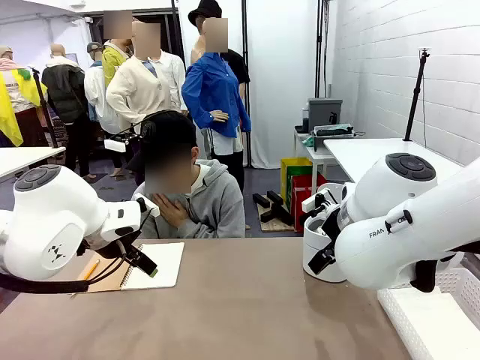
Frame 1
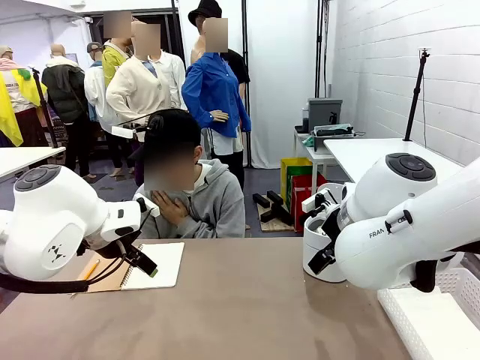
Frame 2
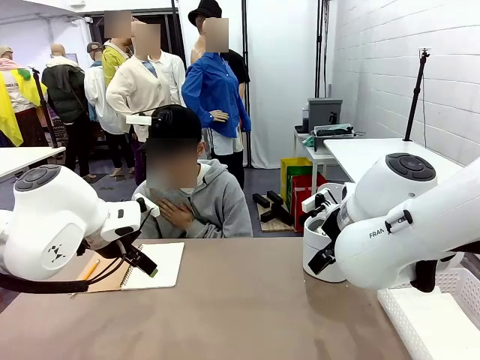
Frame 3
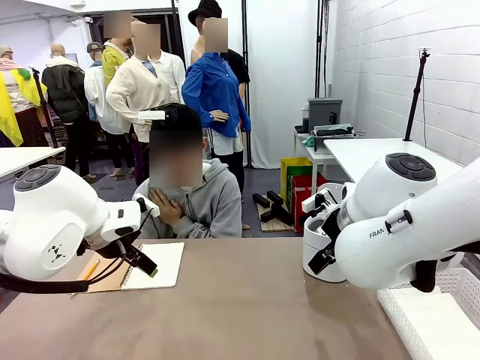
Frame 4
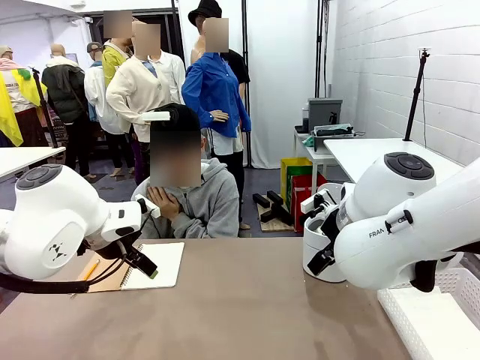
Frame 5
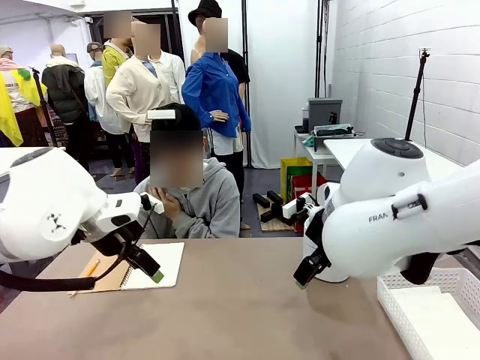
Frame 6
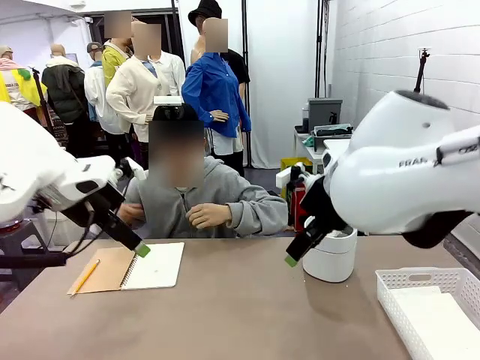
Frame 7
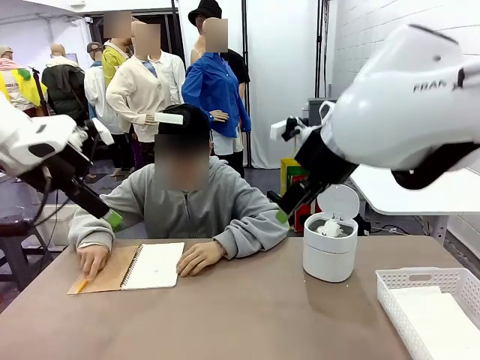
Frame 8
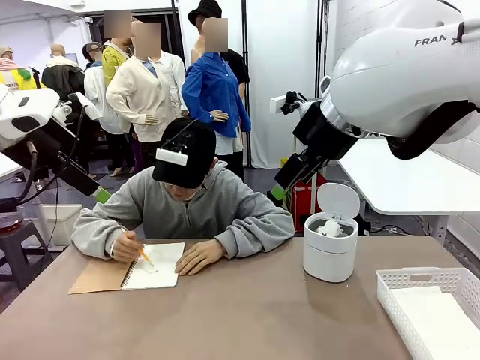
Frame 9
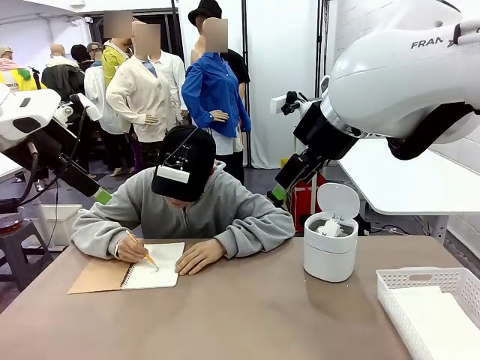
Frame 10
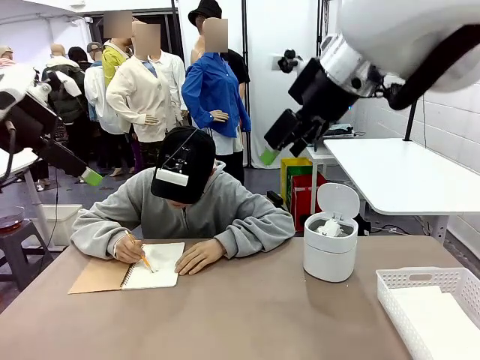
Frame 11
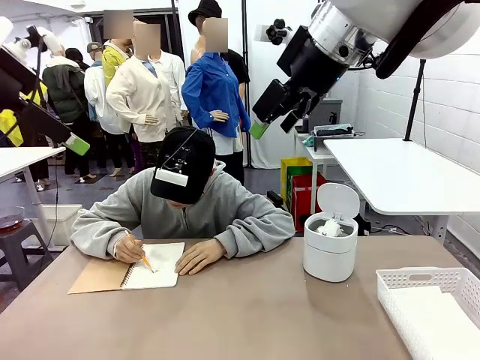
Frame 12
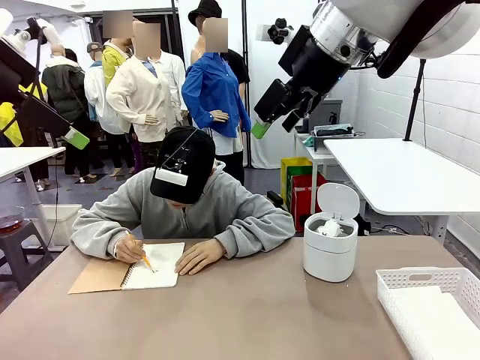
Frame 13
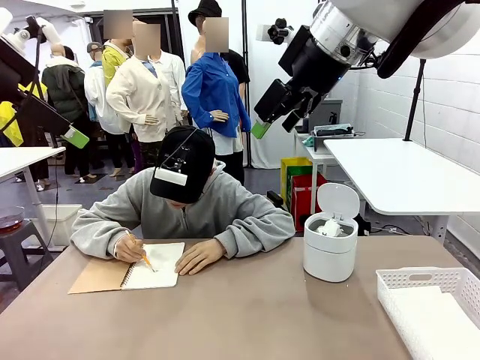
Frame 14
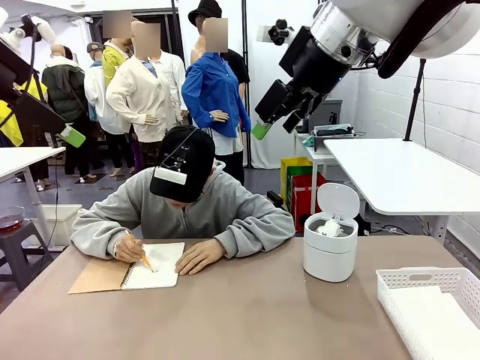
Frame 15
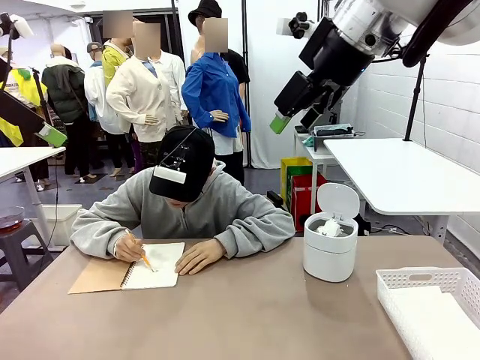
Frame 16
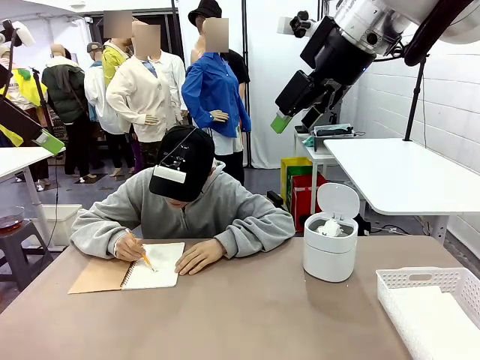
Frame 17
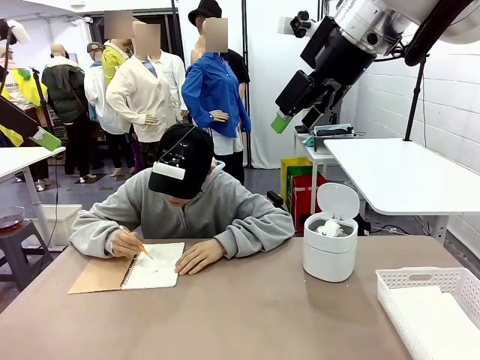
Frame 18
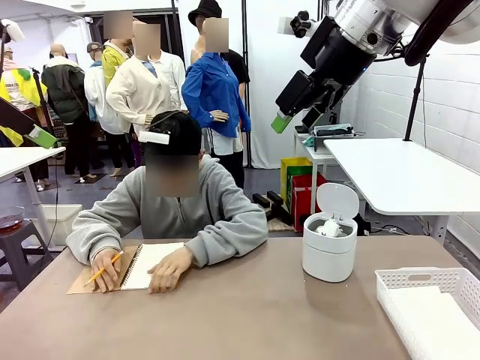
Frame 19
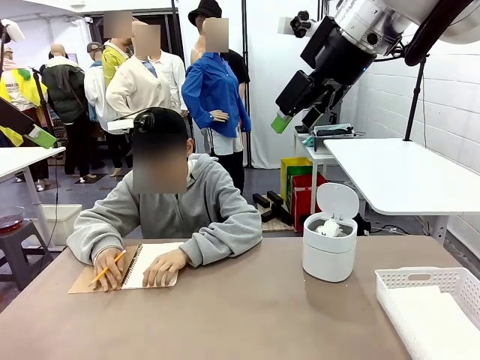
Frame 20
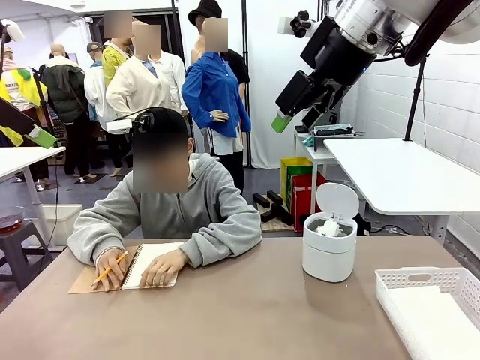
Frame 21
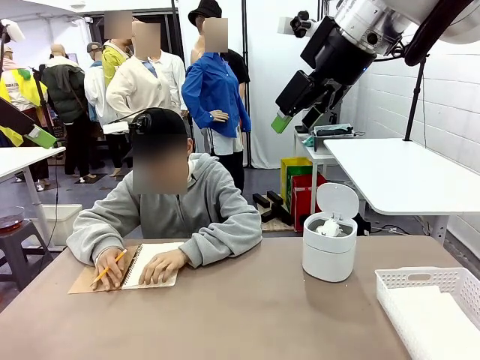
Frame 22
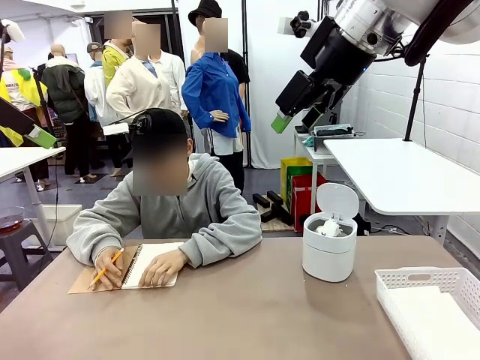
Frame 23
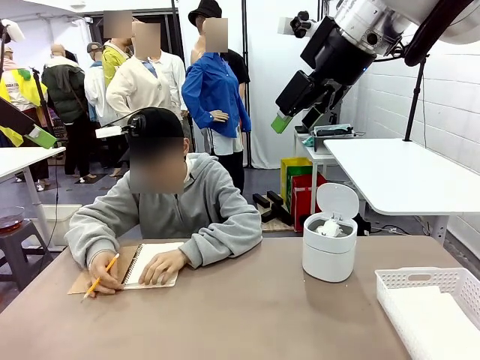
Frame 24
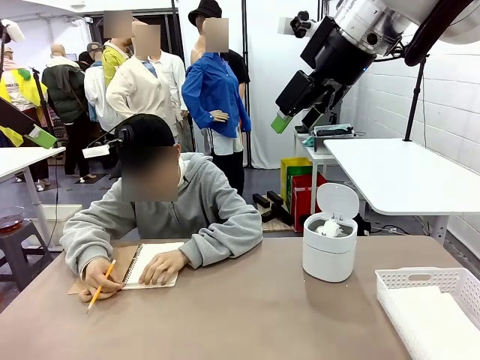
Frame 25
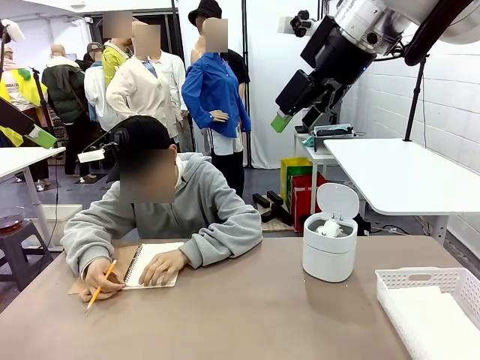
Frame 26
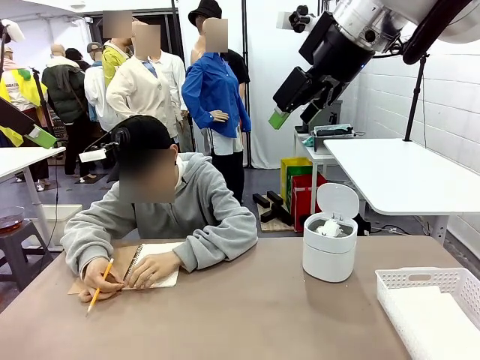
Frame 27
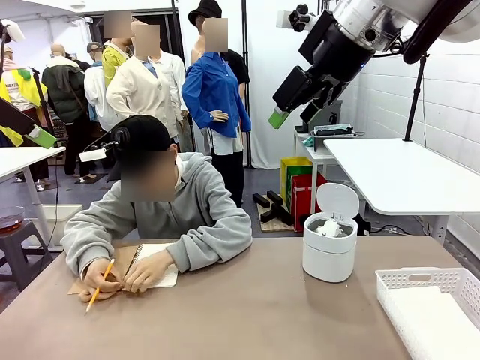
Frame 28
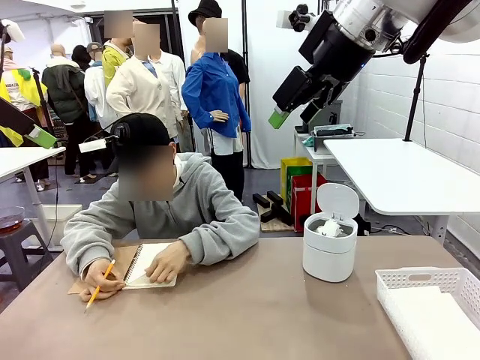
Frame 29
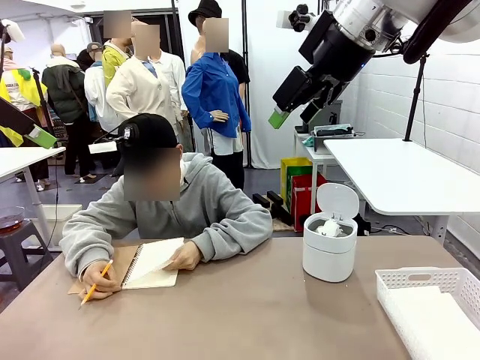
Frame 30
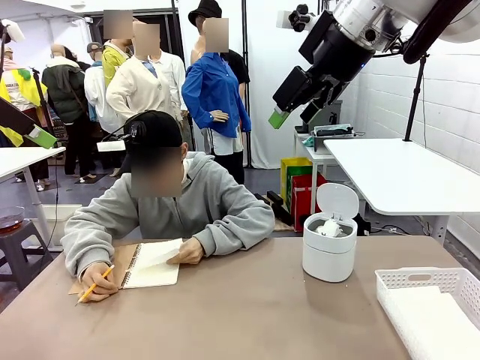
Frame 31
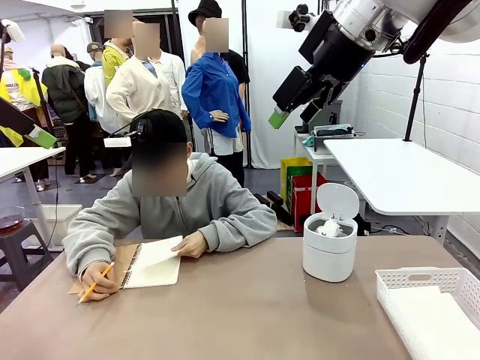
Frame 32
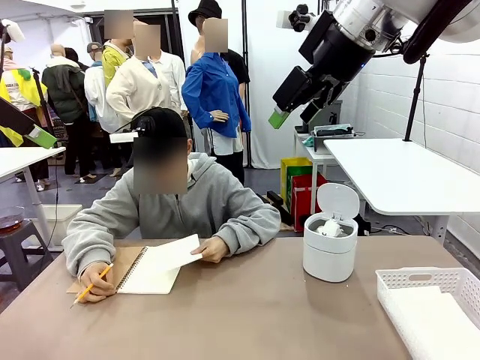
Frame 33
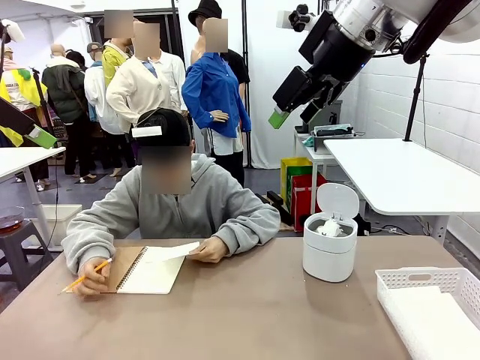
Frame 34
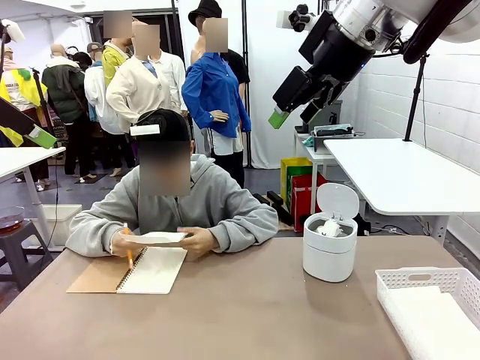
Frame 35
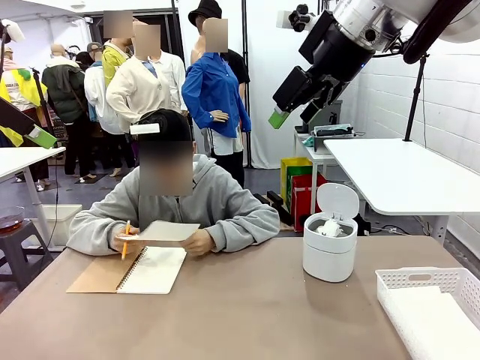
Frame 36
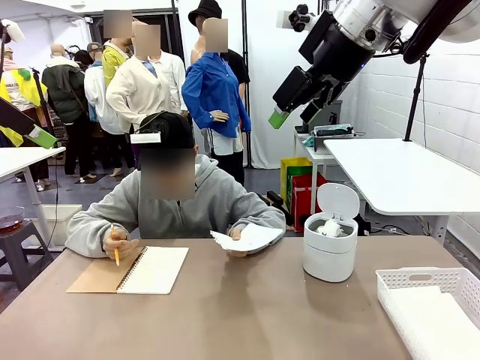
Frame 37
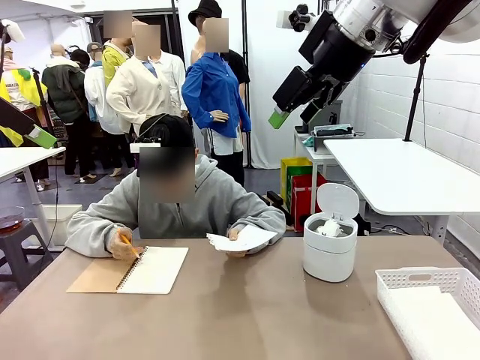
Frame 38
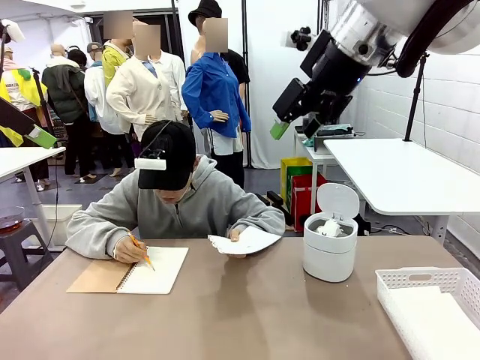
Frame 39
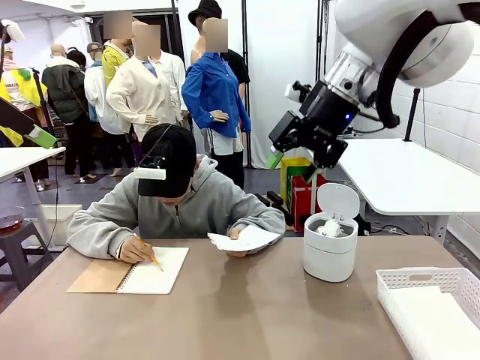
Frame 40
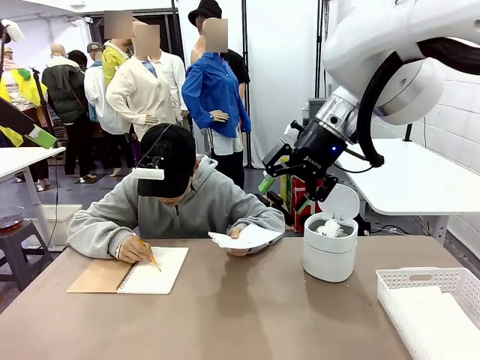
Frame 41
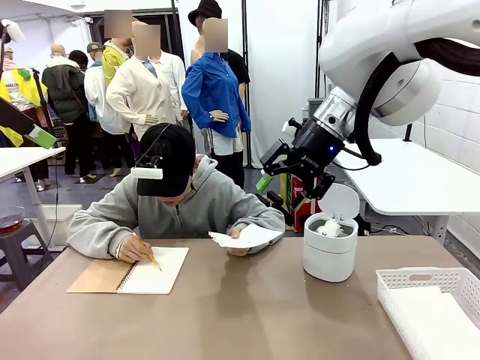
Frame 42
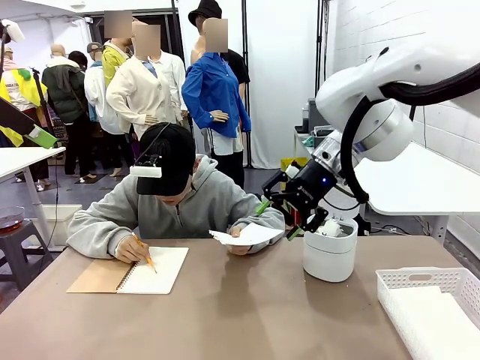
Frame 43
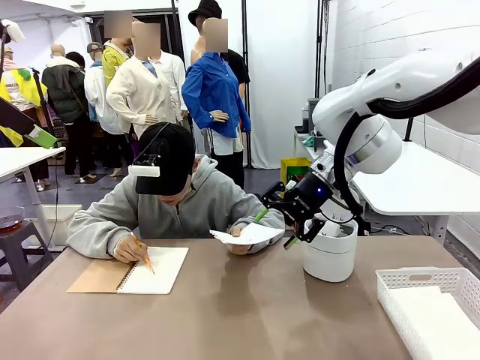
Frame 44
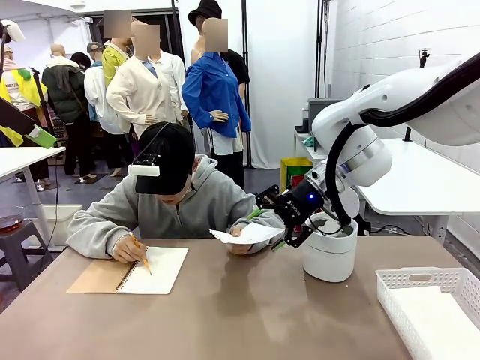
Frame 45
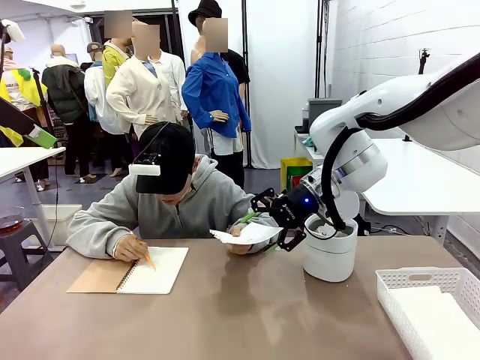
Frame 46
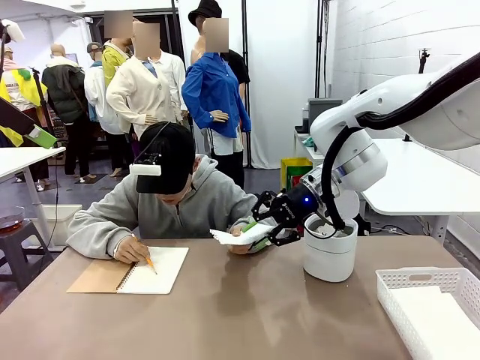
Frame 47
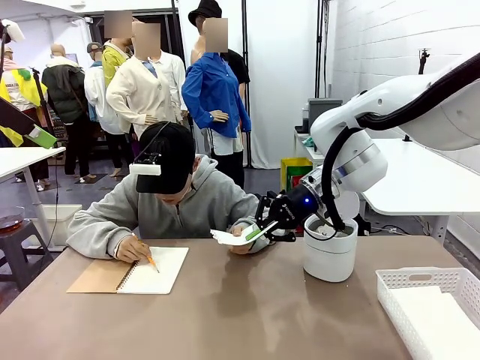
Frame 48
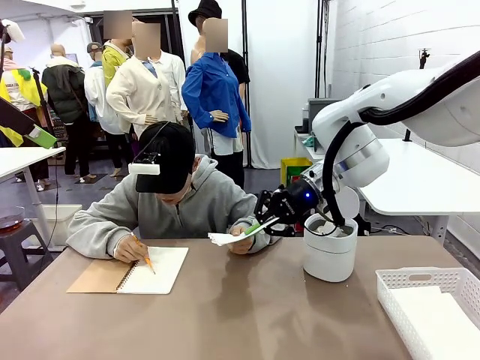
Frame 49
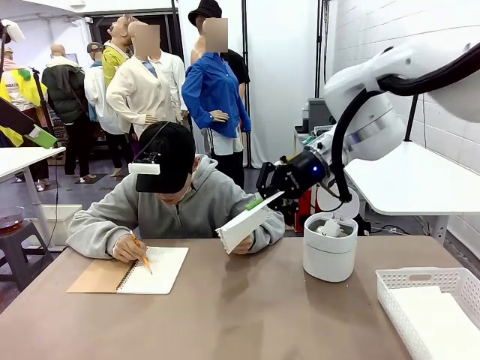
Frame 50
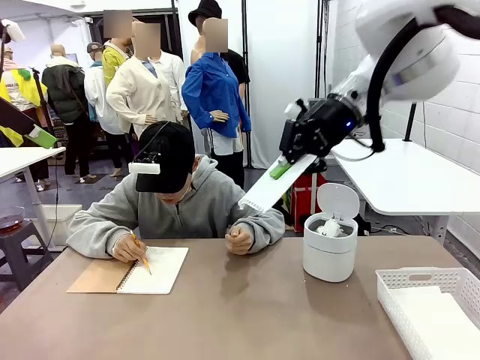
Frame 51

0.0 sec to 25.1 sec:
Task: Sort the paper based on its condition.
Robot: If a person hands you a paper, place it in the Organizing basket , and if it's crumpled, put it in the Trash can.
Person: Tear out a page from the spiral notebook. Hand the torn page to the robot or crumple it and throw it to the center of the table.
